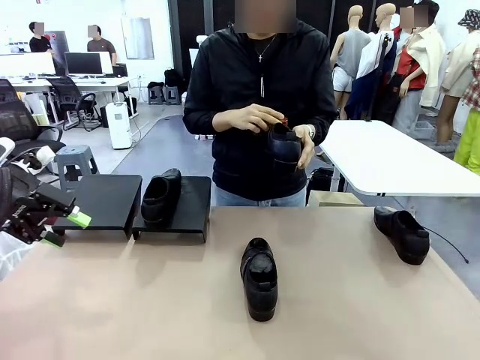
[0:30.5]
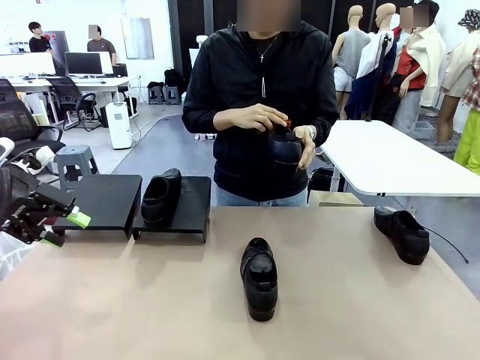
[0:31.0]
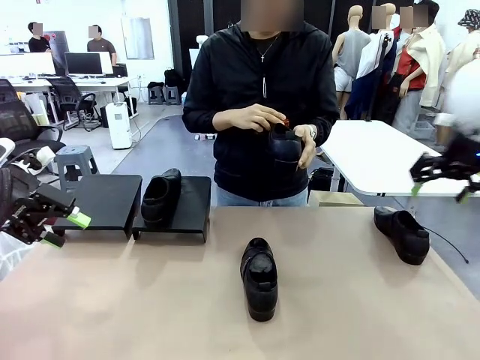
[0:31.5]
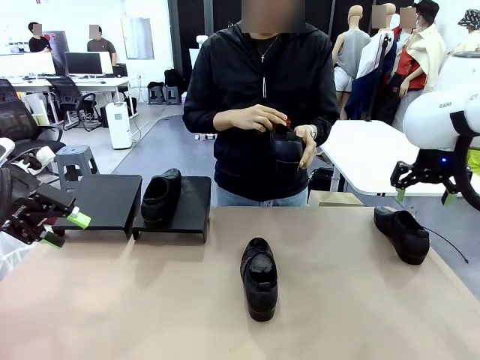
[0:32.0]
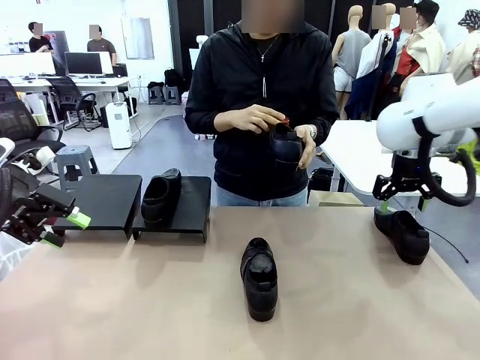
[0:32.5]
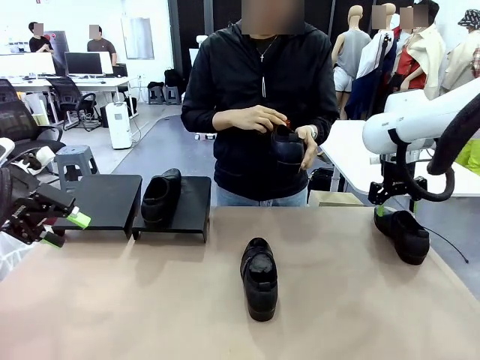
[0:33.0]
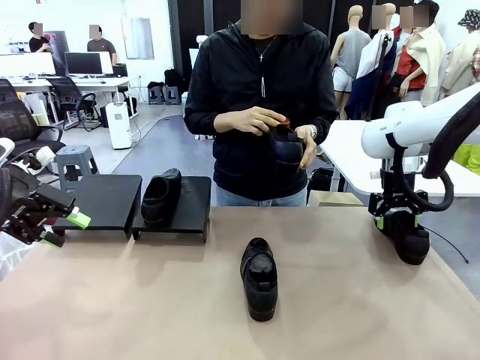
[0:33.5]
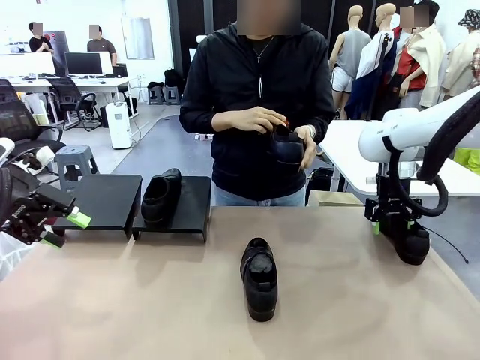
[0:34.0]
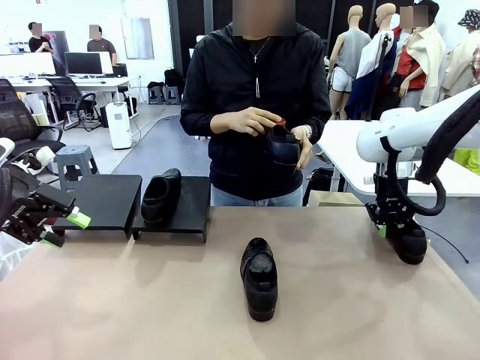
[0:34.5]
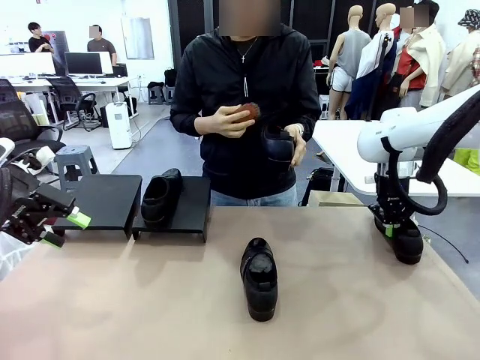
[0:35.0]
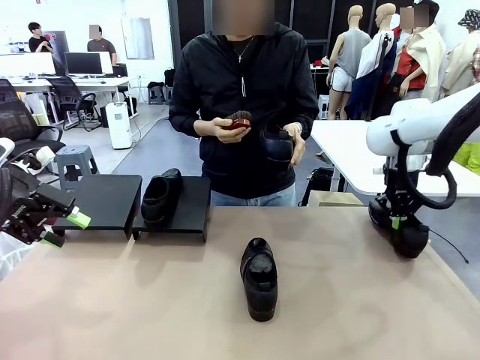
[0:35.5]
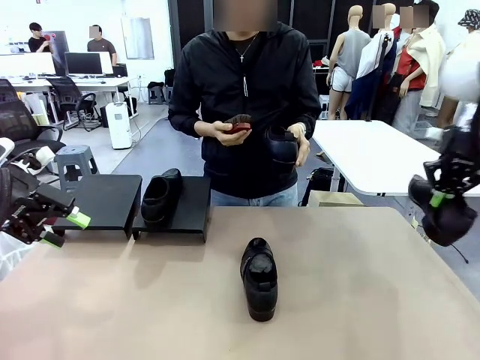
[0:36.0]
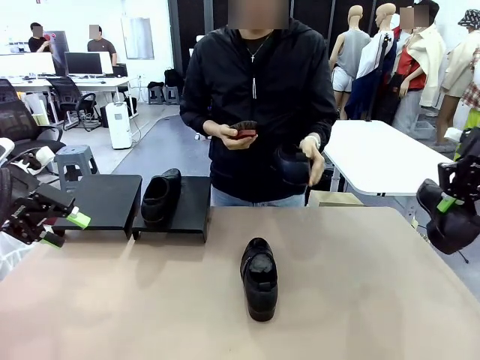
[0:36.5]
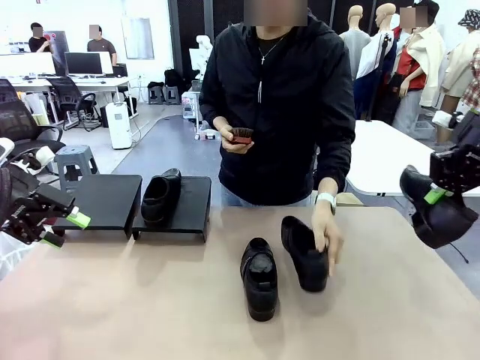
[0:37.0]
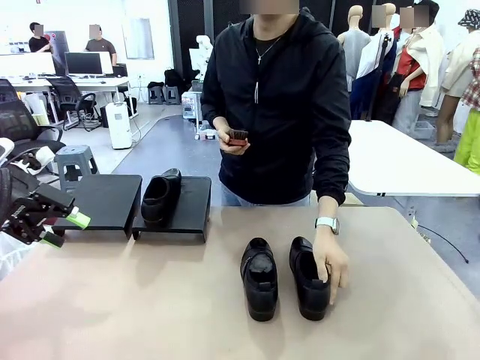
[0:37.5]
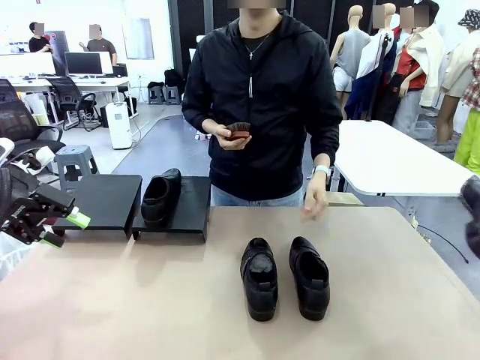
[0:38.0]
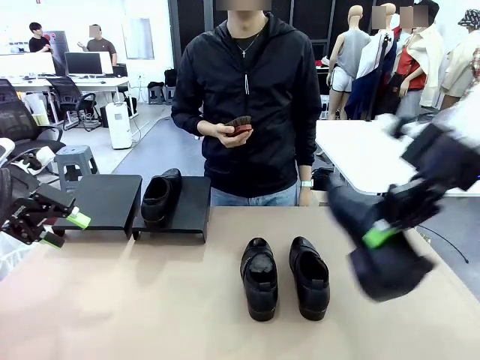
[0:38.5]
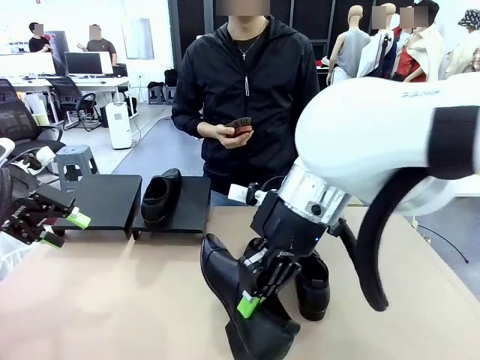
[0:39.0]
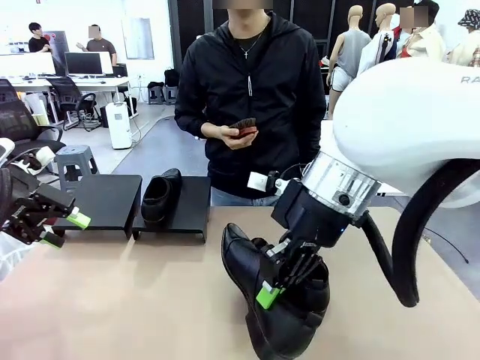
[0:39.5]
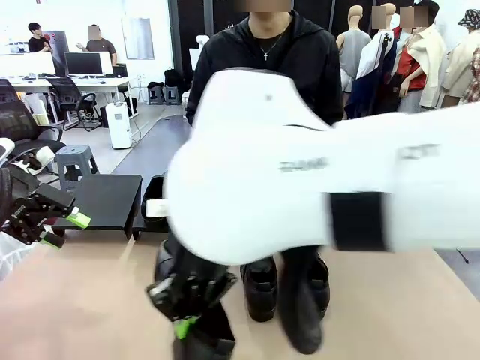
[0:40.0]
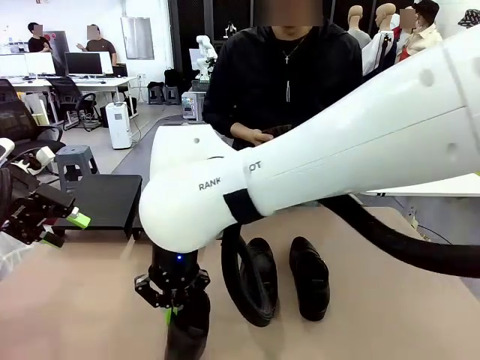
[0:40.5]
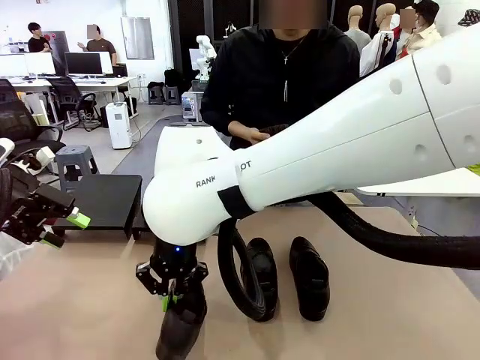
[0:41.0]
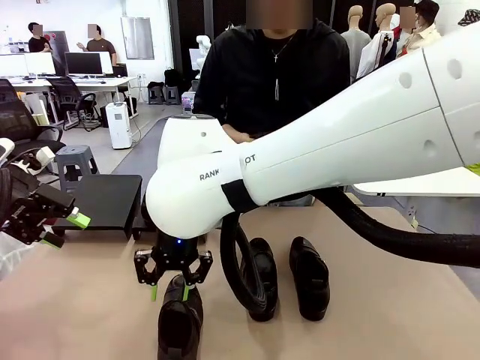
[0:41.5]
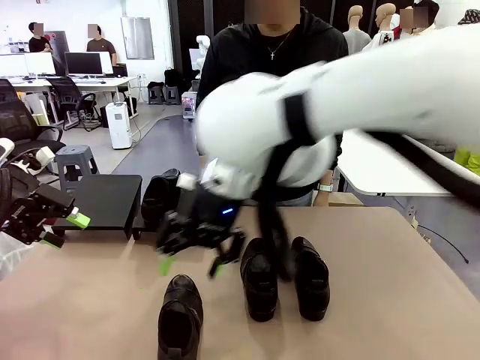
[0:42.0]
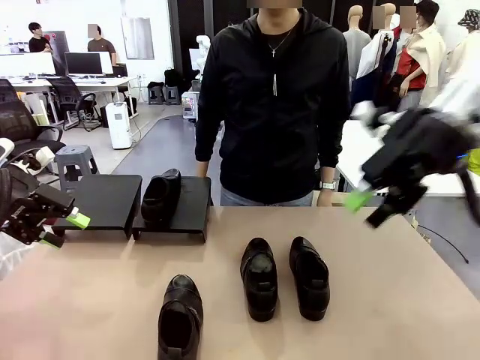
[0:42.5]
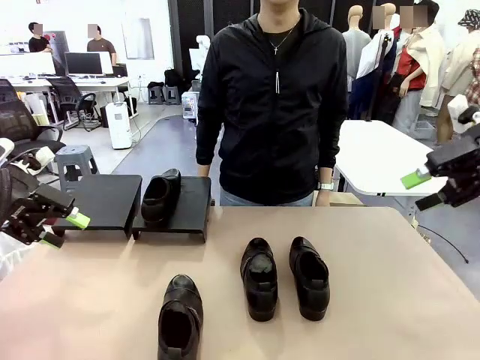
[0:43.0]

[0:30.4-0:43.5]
Task: Organize the shoes by placing them on the stand.
Robot: Pick up one Shoe and place it in the middle of the table.

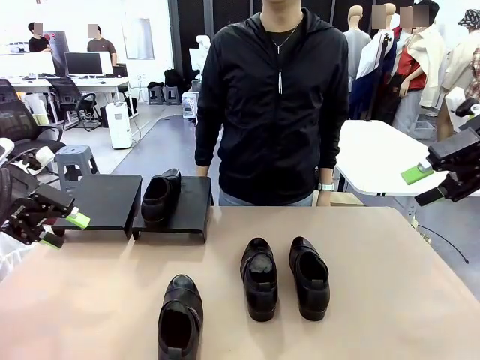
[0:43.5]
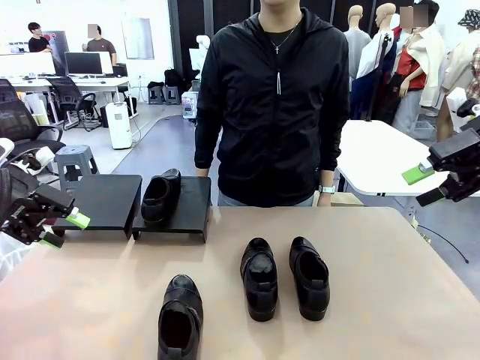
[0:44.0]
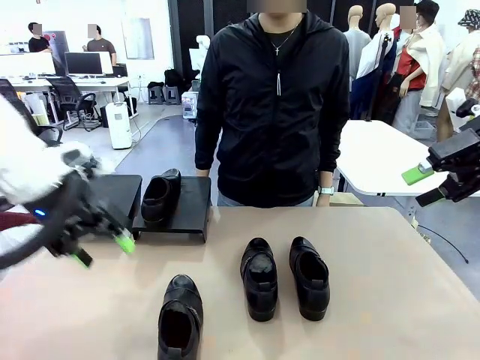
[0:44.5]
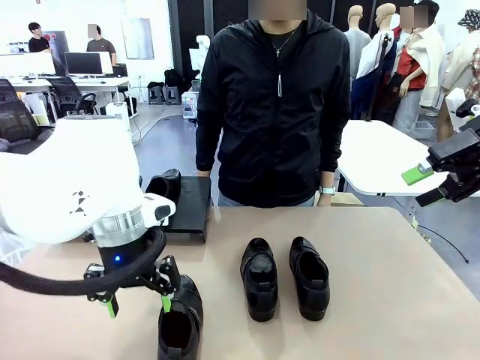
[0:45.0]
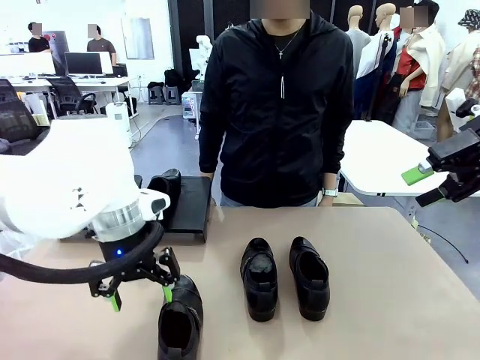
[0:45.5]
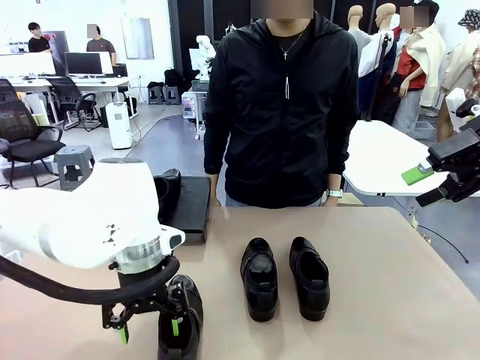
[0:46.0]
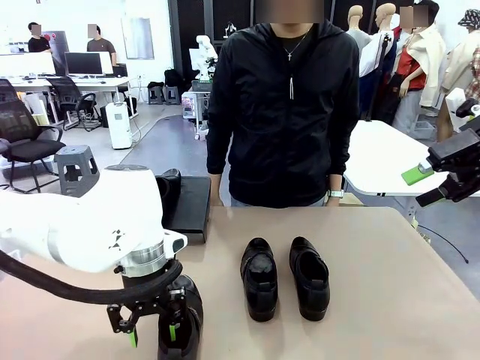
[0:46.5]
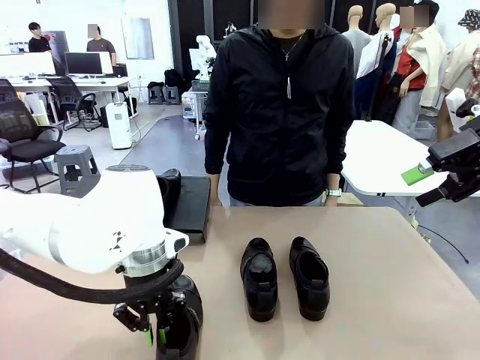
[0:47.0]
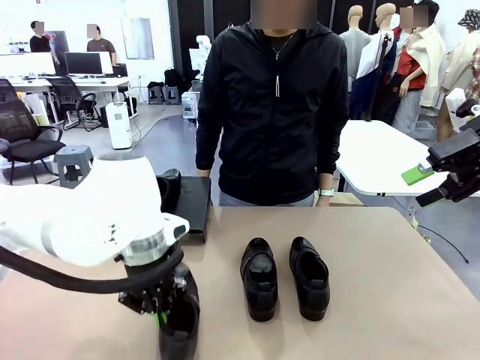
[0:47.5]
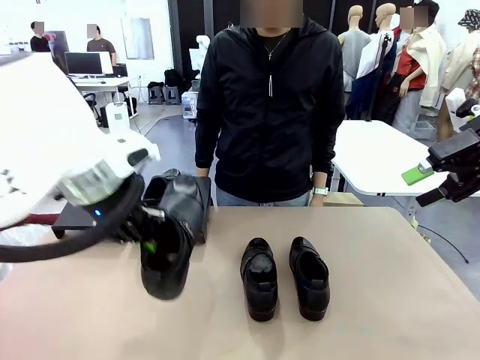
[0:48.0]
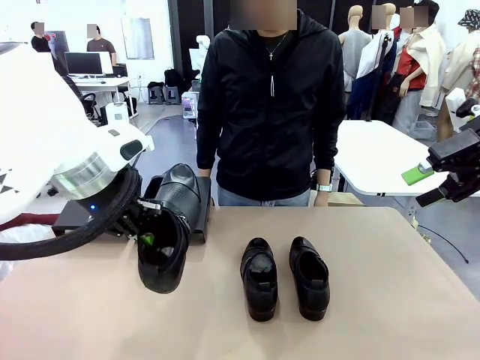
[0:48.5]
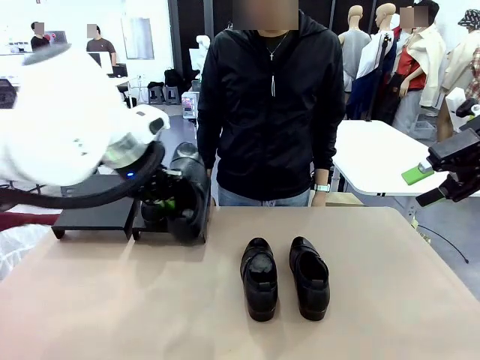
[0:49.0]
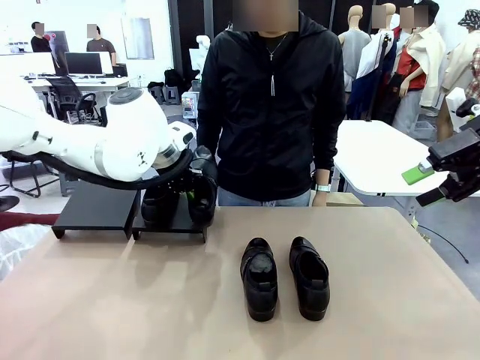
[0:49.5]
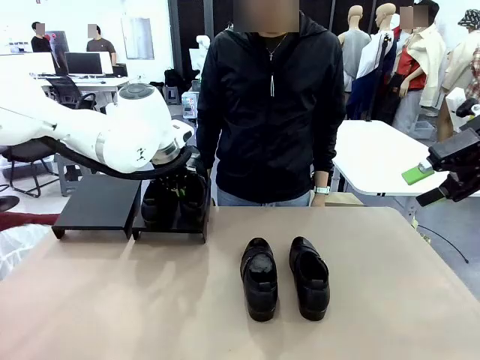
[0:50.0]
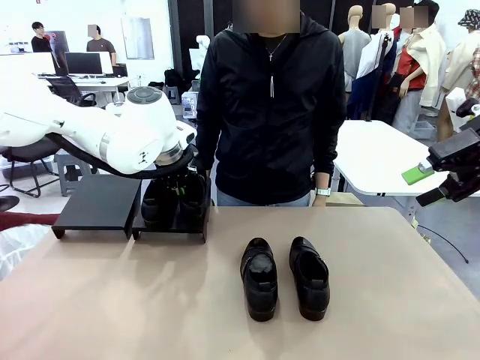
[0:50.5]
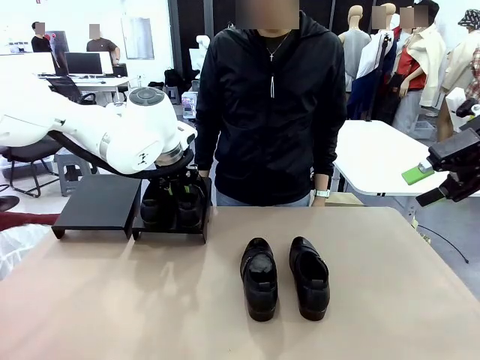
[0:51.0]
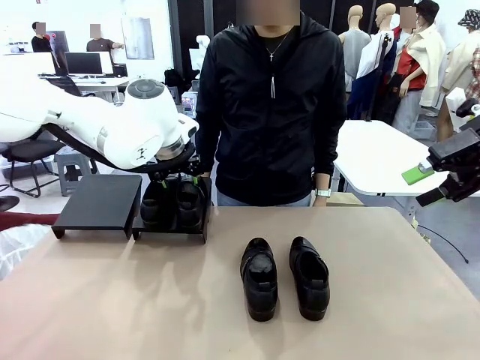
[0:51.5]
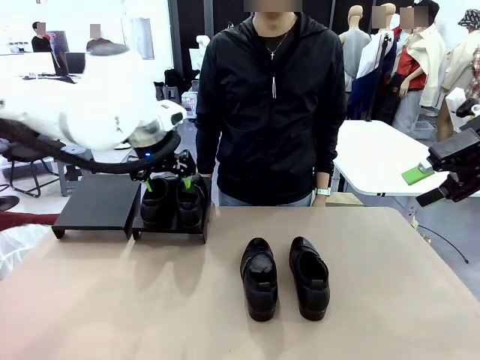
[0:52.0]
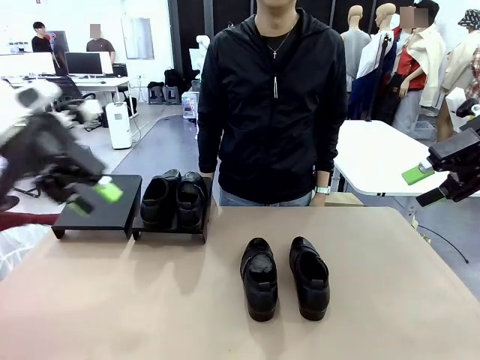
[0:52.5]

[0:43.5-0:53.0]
Robot: Place the Shoe from the middle of the table onto the Shoes Stand.

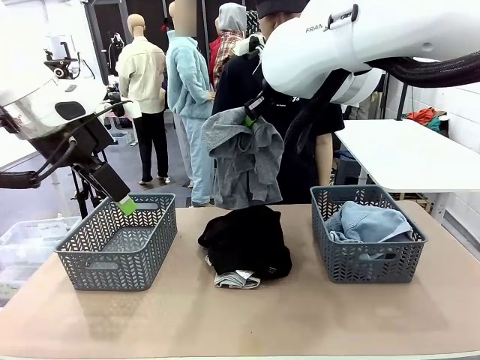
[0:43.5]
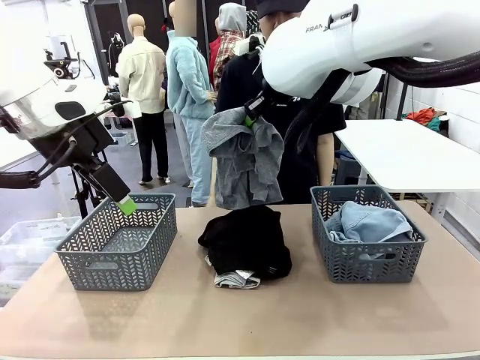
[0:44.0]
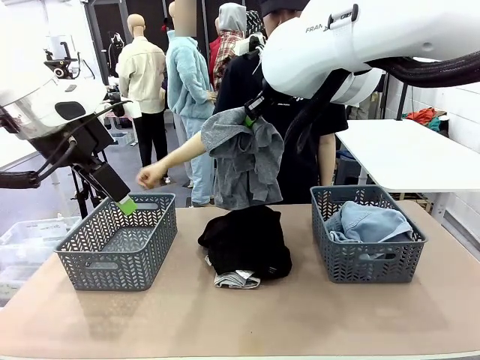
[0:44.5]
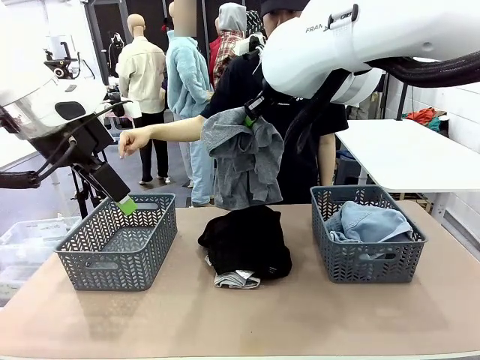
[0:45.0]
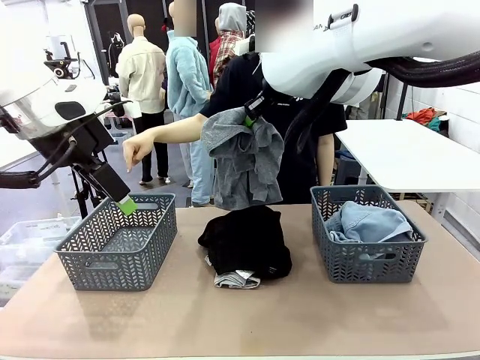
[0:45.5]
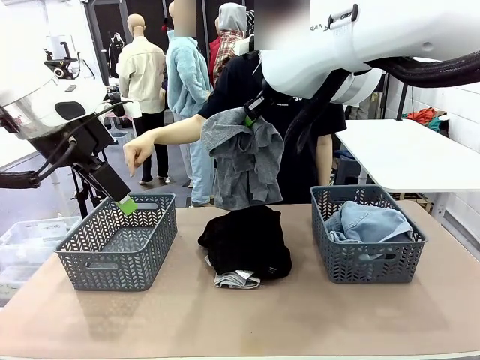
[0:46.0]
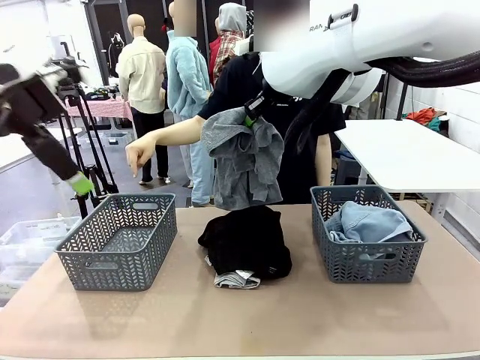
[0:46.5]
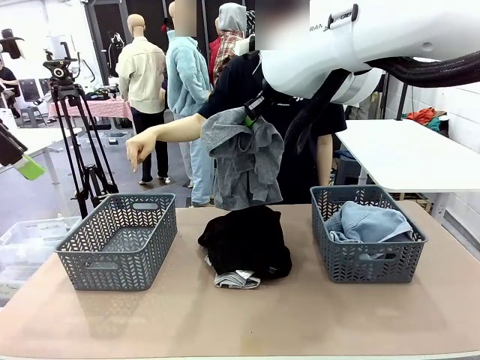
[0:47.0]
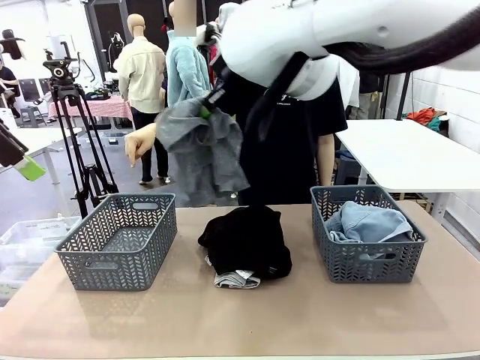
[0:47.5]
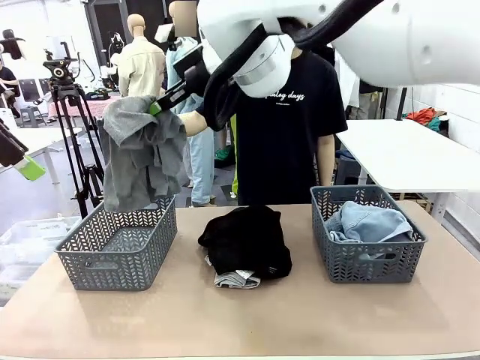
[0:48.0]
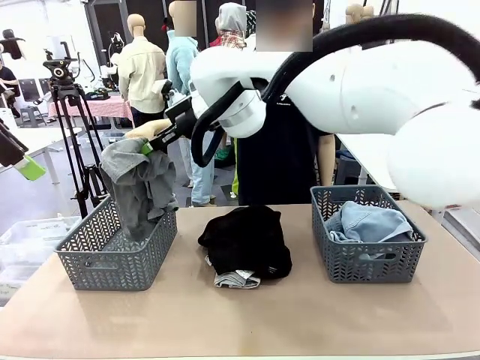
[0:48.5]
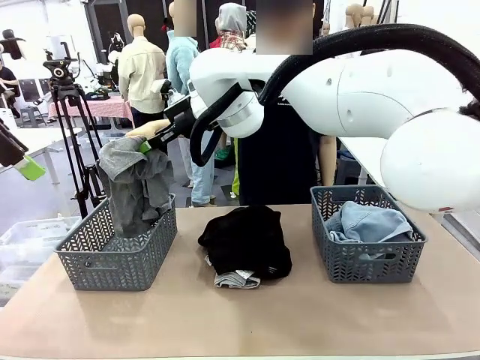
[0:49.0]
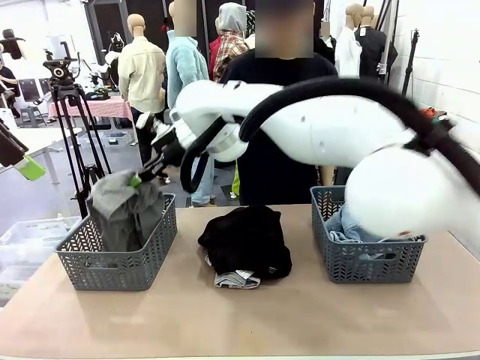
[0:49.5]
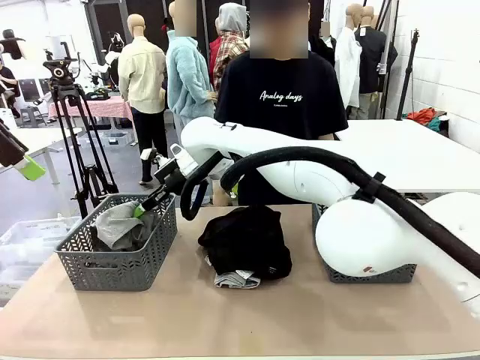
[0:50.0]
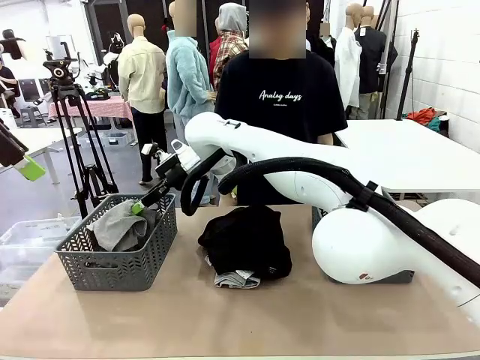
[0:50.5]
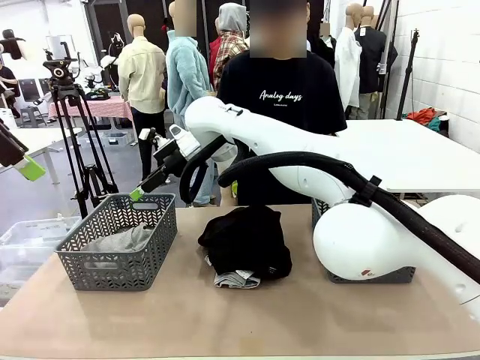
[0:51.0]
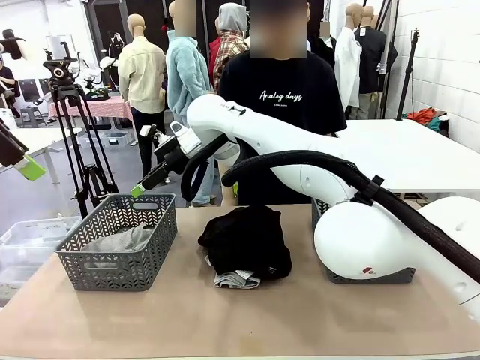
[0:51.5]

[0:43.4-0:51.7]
Task: Sort the tops and bottoms.
Robot: Sort the clothes according to human instructions.
